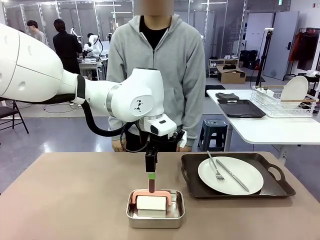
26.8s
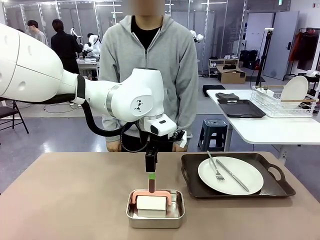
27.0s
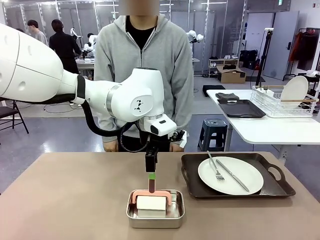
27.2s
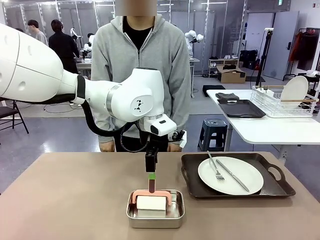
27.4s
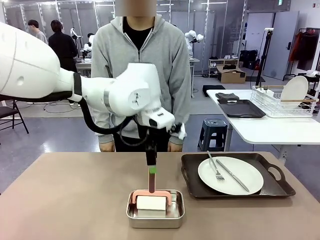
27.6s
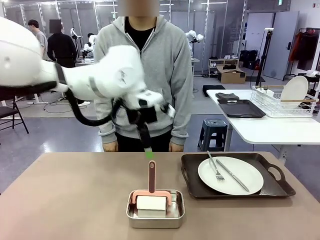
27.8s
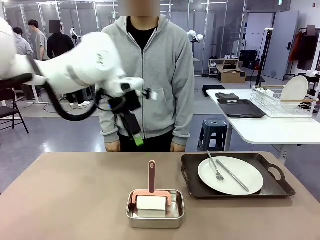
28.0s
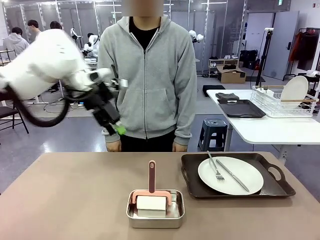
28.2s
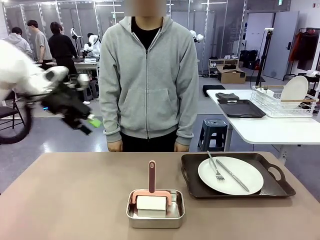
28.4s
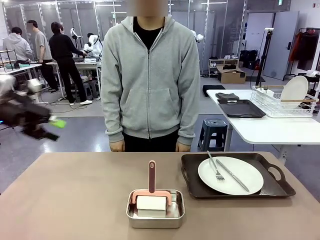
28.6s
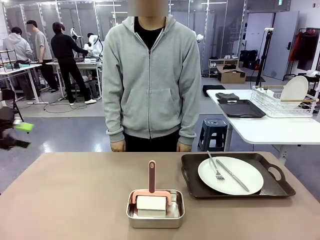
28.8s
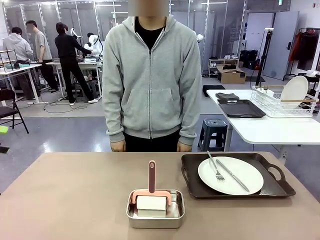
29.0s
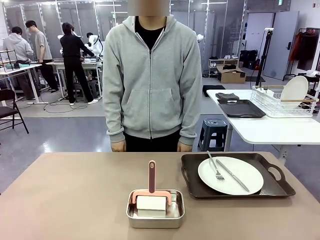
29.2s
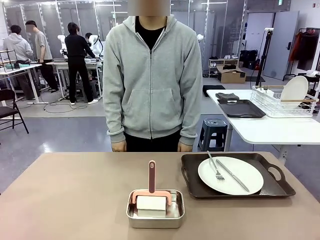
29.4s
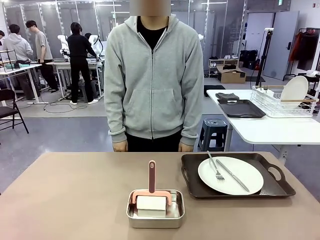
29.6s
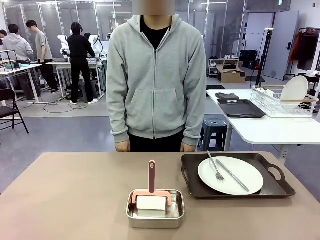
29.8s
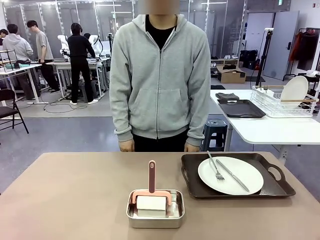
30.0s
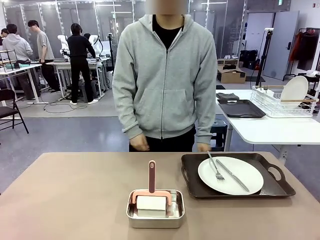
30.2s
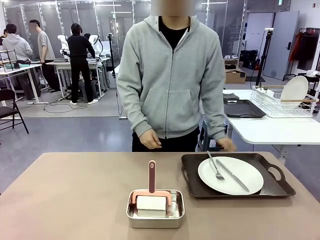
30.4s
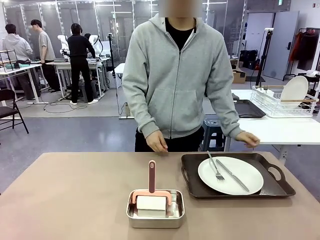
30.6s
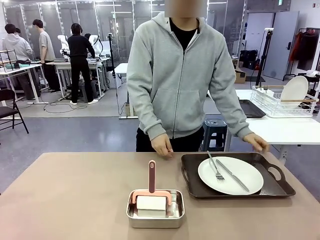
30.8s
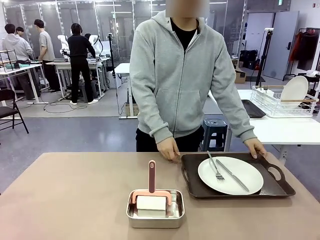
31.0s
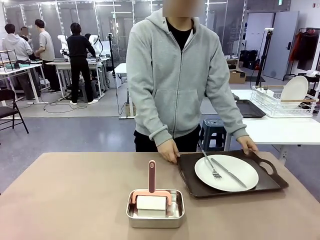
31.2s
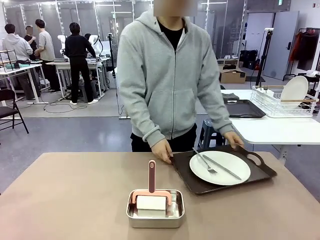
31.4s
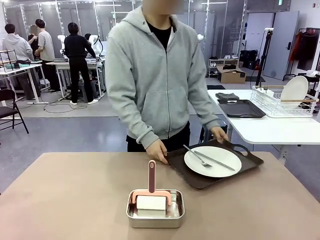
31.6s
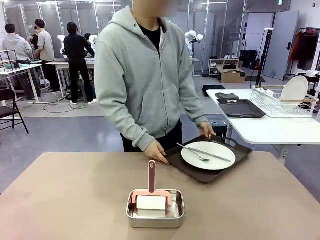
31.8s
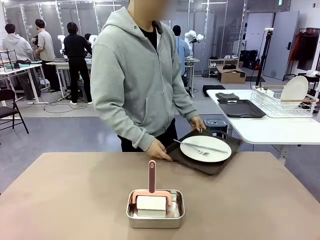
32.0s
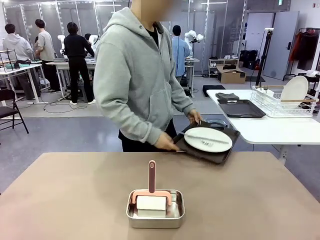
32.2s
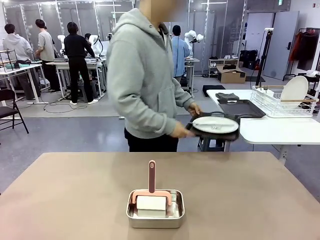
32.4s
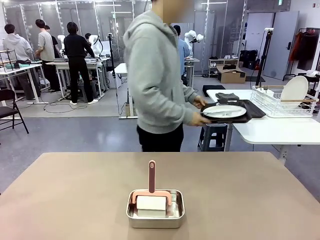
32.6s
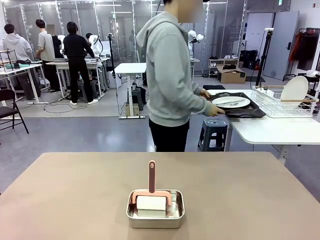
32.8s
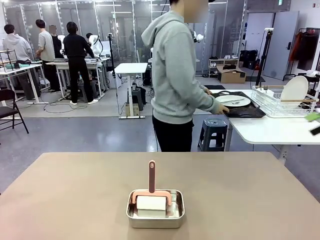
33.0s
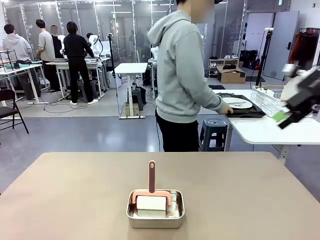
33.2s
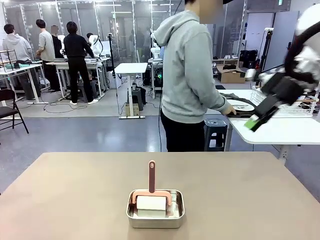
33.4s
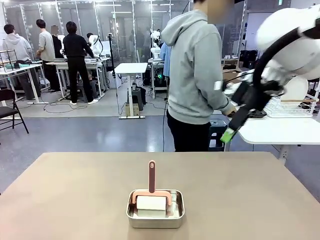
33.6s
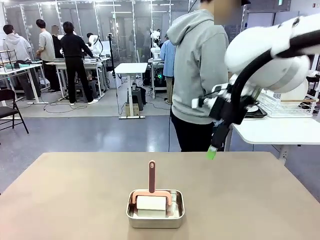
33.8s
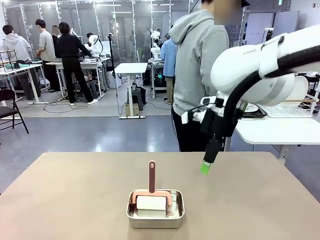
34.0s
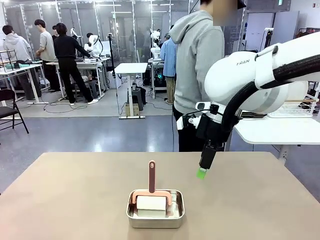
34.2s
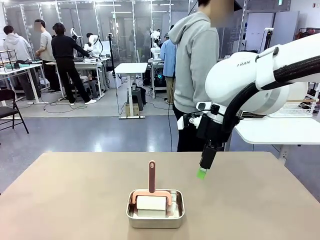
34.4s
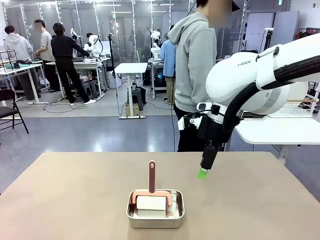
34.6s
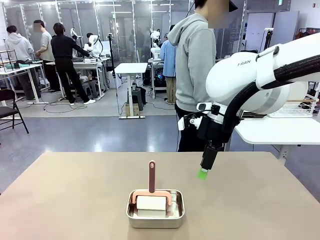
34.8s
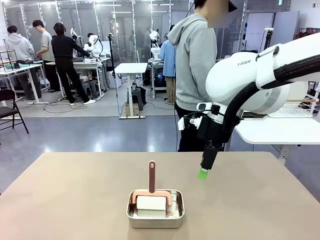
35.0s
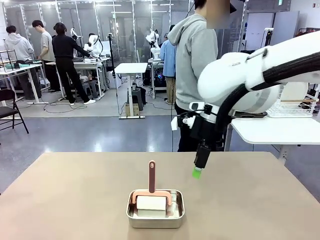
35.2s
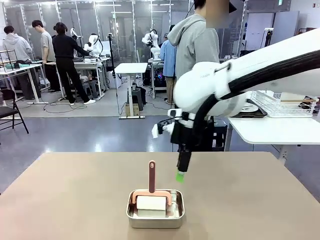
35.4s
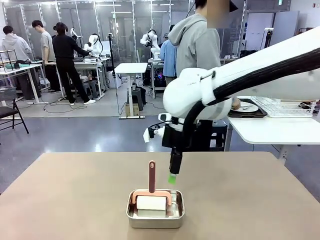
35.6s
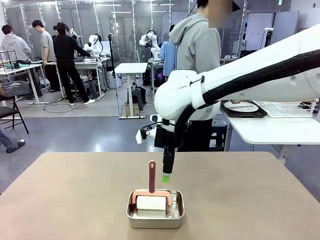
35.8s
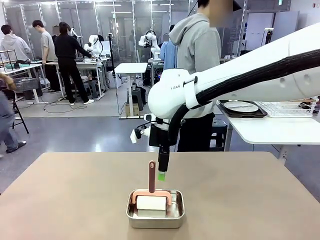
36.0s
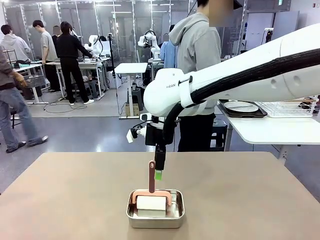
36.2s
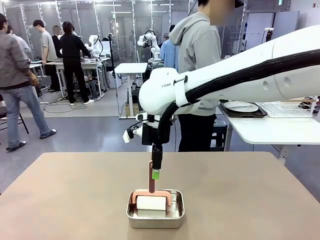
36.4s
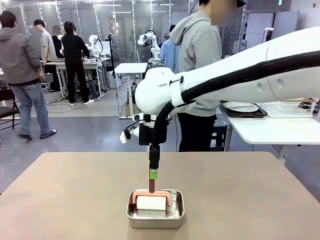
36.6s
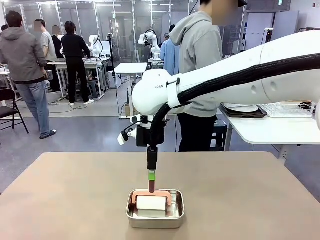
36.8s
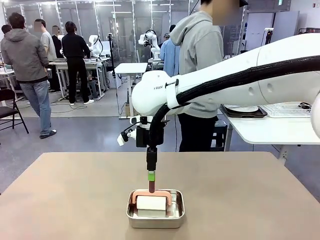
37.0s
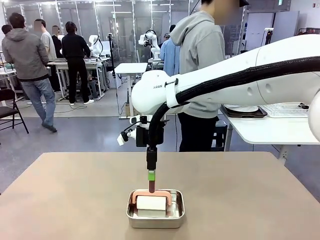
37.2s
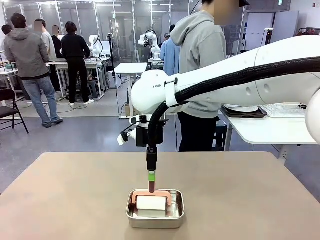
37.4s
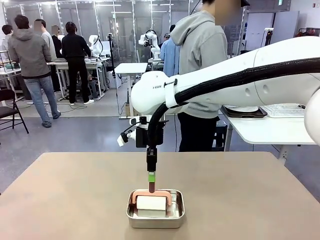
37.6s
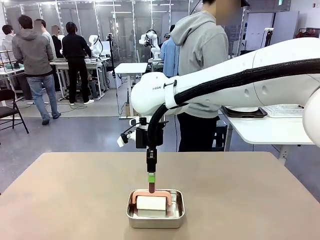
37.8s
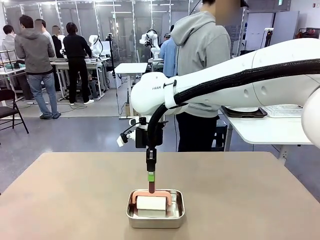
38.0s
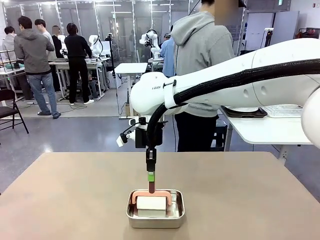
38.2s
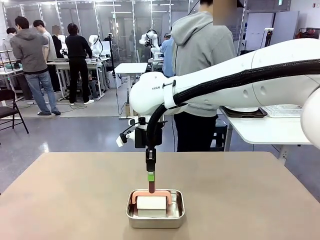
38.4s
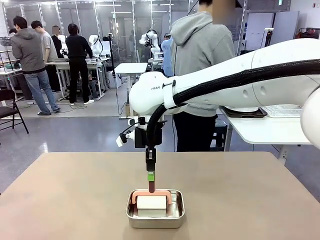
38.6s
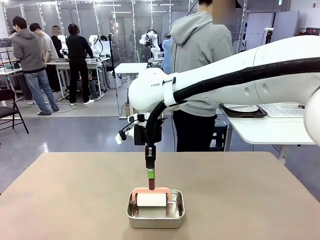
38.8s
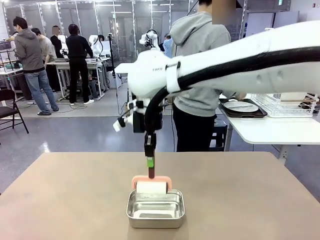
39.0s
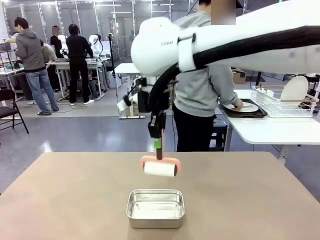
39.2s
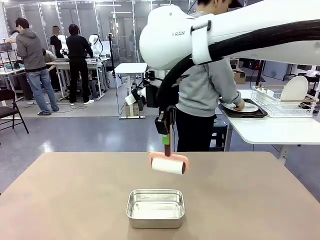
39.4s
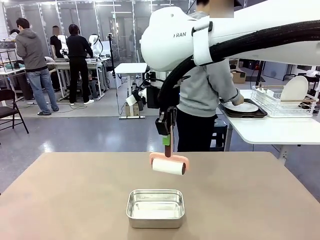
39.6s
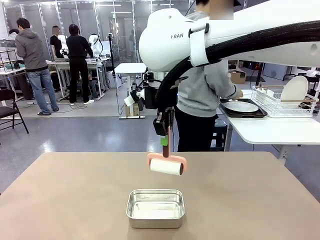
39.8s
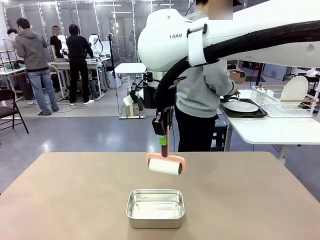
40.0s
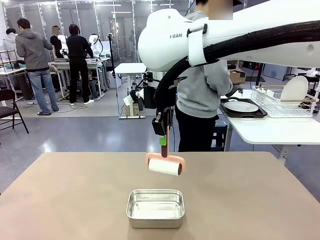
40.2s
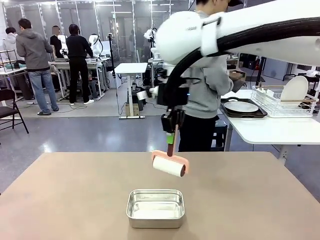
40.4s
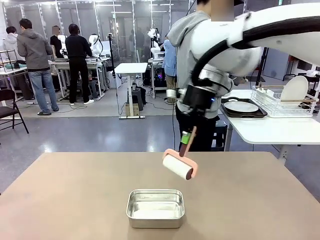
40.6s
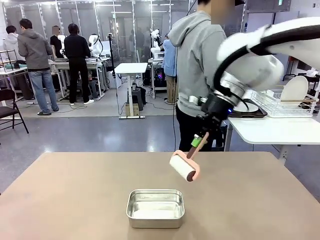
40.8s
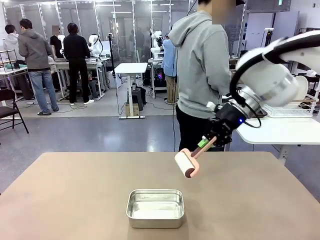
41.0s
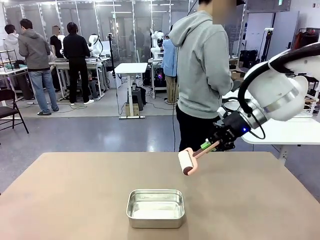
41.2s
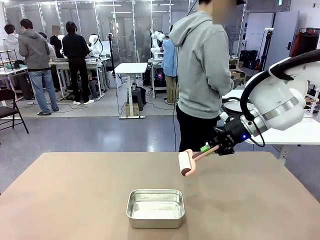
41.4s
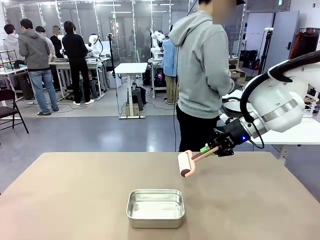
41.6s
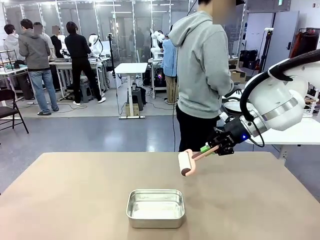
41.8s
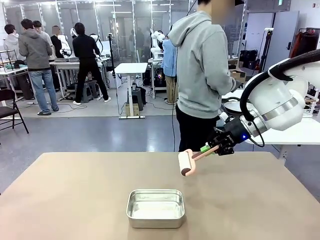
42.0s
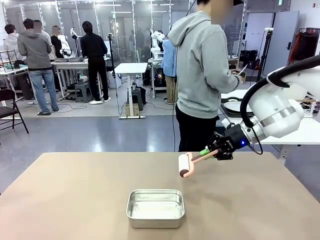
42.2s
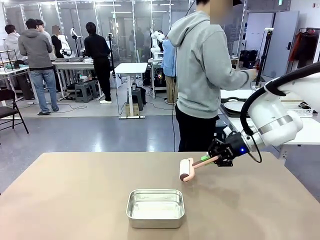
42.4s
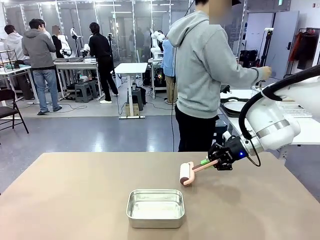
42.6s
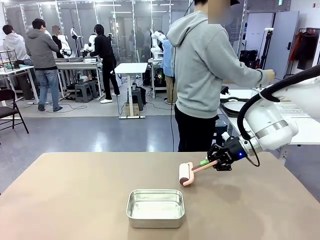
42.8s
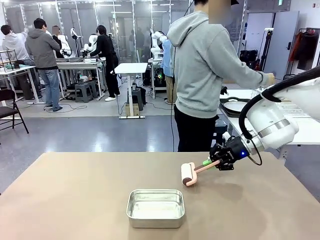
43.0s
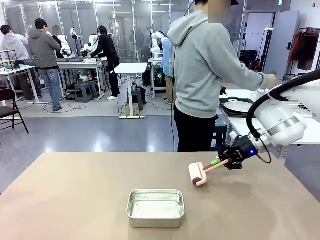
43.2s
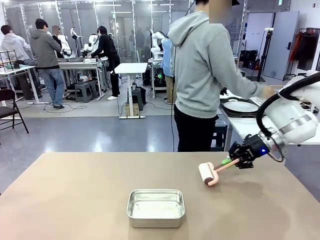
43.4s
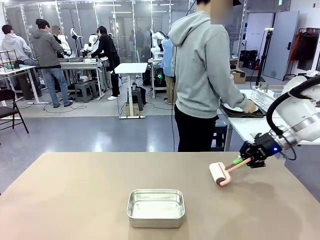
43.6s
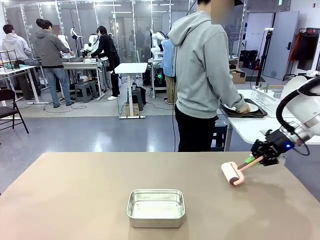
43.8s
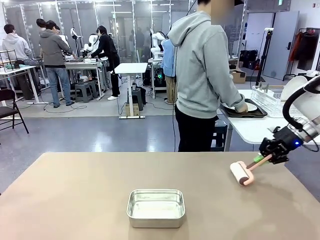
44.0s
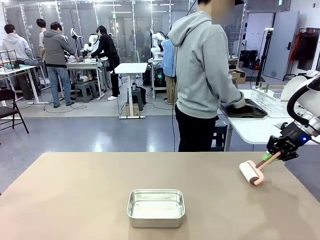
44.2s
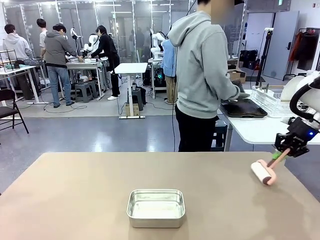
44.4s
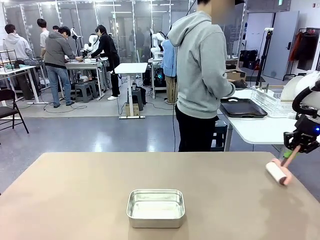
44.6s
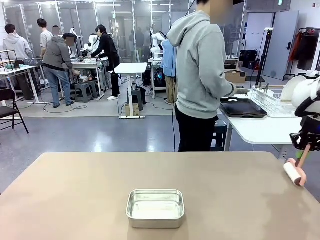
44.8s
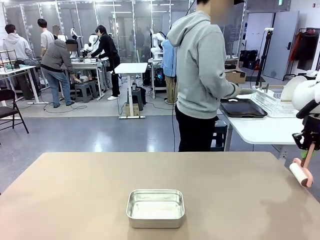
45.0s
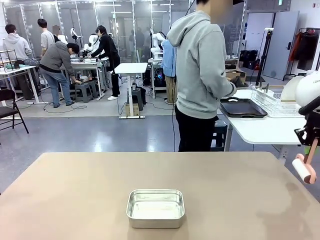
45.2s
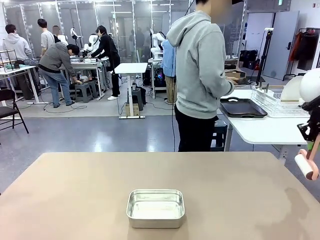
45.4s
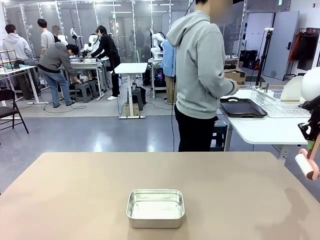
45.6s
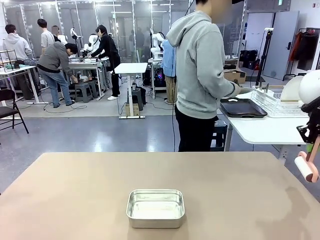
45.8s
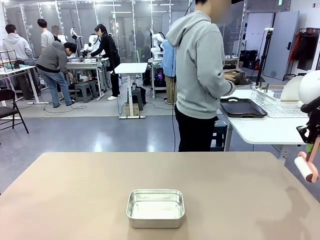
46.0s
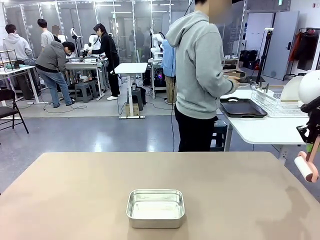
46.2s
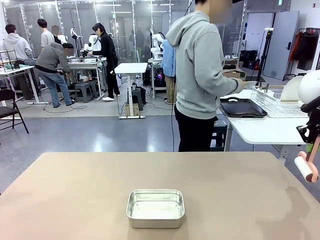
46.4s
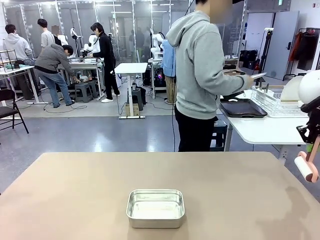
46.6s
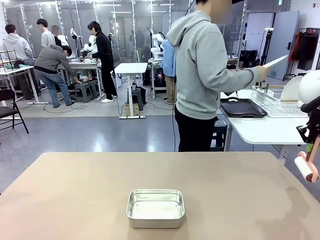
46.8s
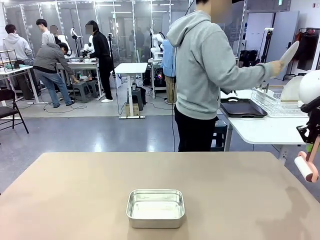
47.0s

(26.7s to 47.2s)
Robot: When the right (or left) Handle tray is removed, use the right hand (or left hand) to clean the right (or left) side of the table with the Lint Roller.
Person: Pick up the left (or right) Handle tray and place it on the Handle tray. Use the Towel with hook to wipe the Plastic Matte Plate , Fork , and Knife and place into the Dish drying rack.
